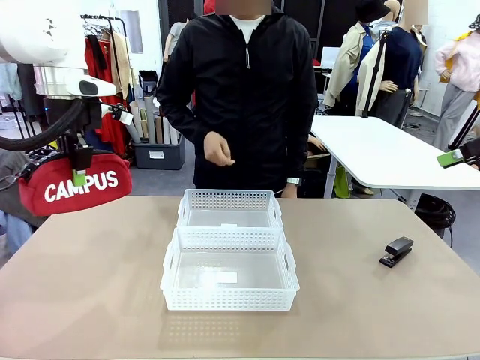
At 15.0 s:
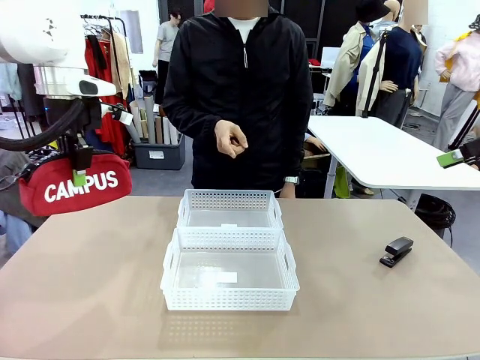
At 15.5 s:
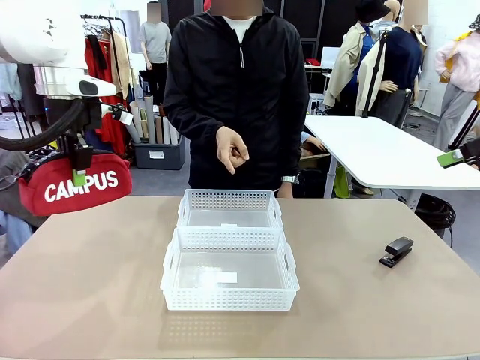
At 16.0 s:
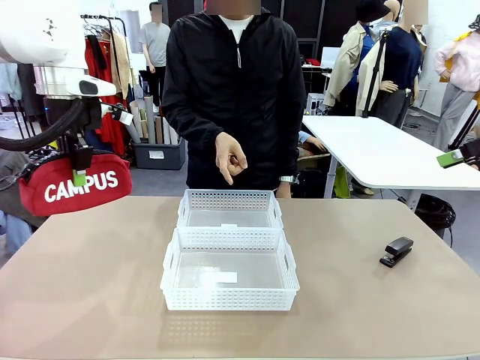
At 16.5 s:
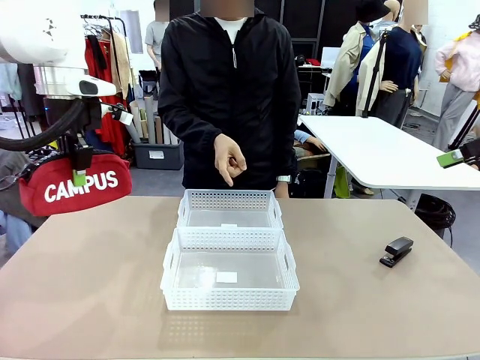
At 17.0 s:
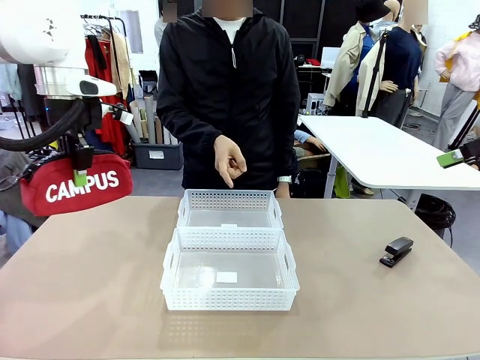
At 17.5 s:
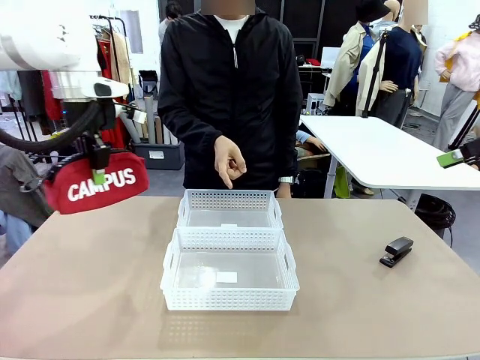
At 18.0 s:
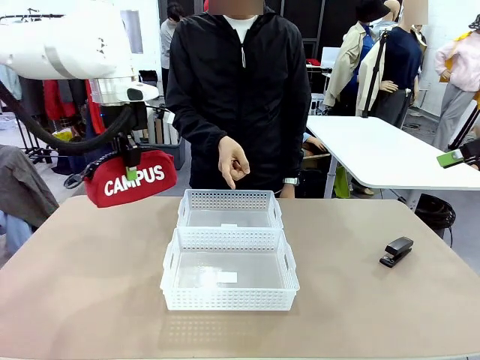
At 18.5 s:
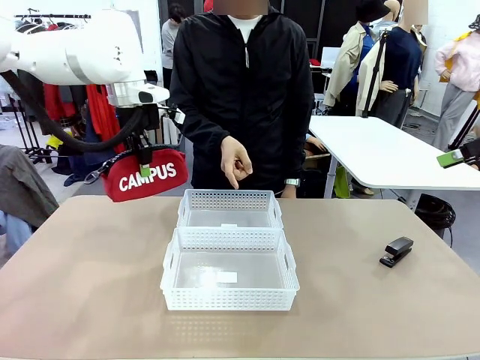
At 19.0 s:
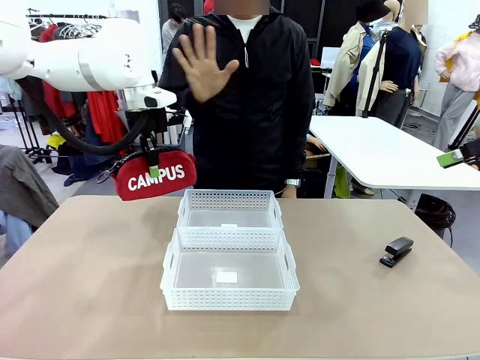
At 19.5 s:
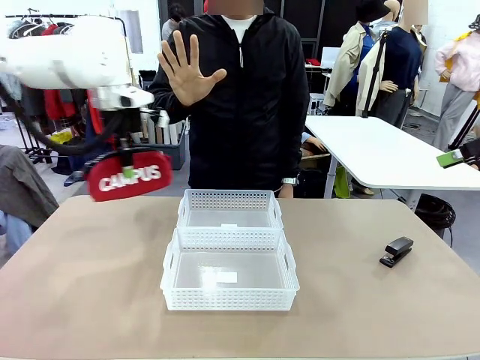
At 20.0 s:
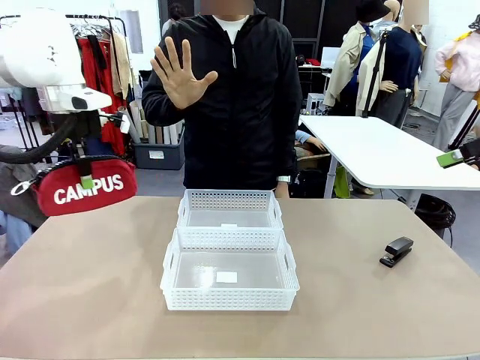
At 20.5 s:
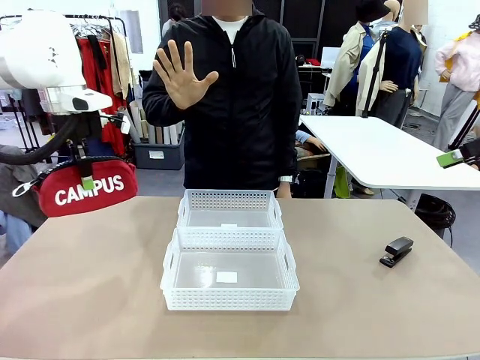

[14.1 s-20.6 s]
Task: Distribute items into two baskets.
Robot: Move the picked Pencil pouch towards the Organizing basket indicated by the person, stopping as directed.
Person: Sends a stop gesture before the robot places the pencil case into the basket.

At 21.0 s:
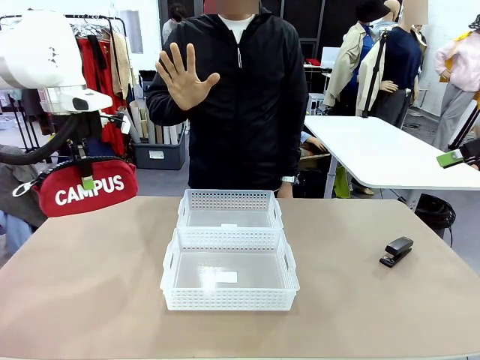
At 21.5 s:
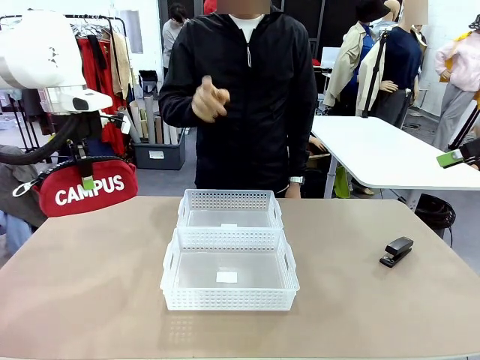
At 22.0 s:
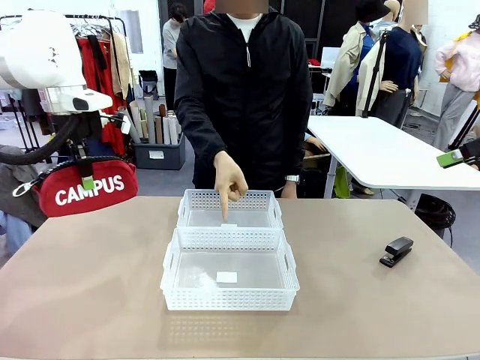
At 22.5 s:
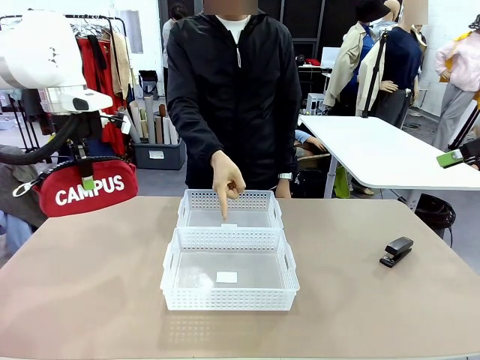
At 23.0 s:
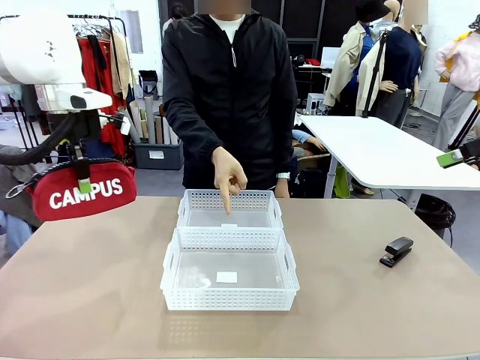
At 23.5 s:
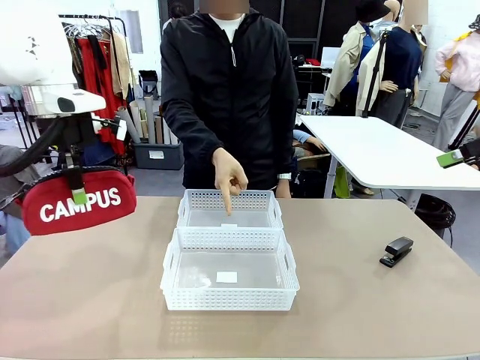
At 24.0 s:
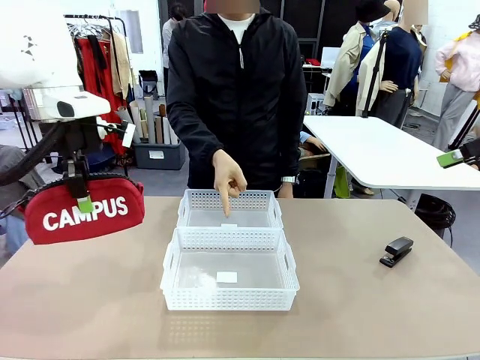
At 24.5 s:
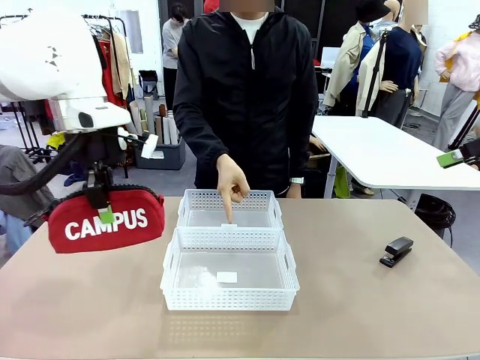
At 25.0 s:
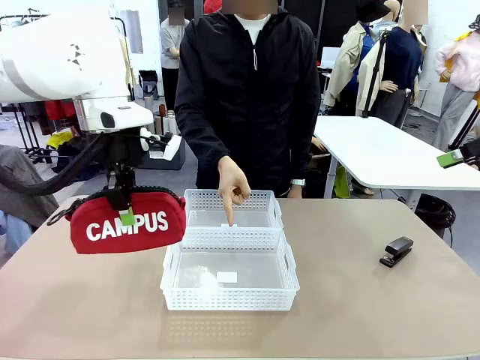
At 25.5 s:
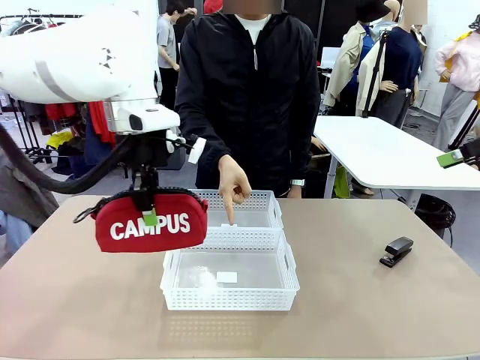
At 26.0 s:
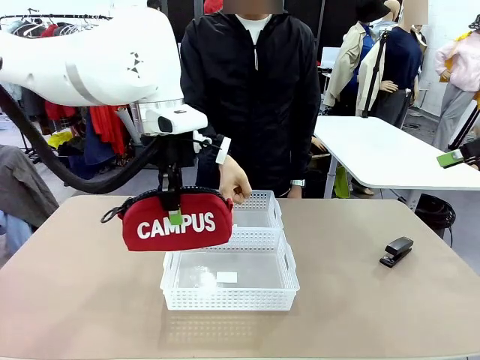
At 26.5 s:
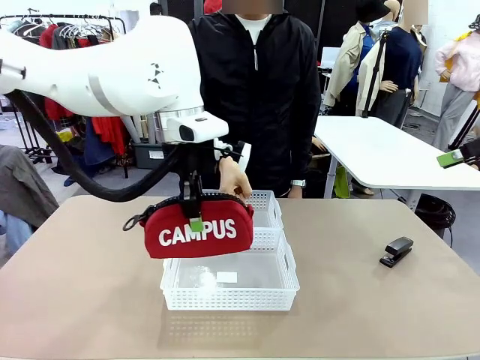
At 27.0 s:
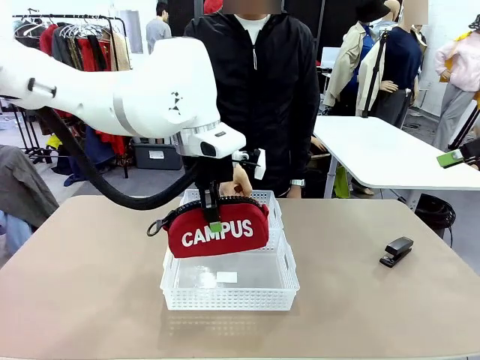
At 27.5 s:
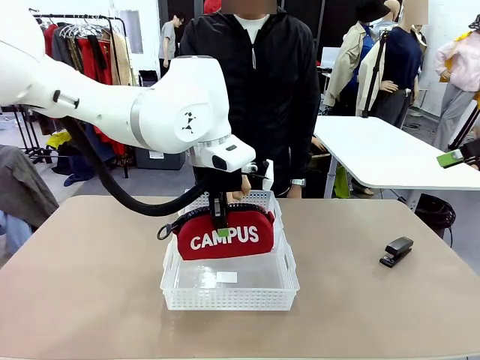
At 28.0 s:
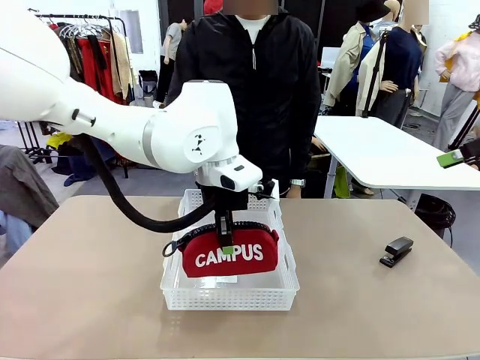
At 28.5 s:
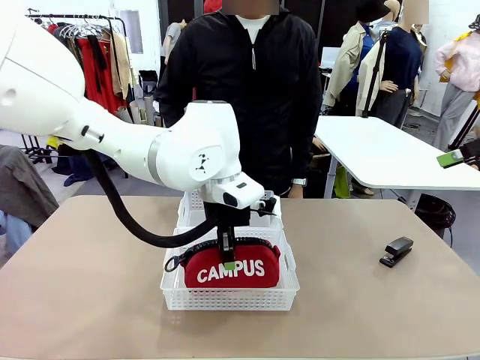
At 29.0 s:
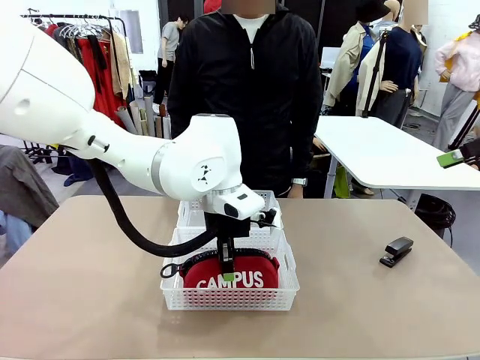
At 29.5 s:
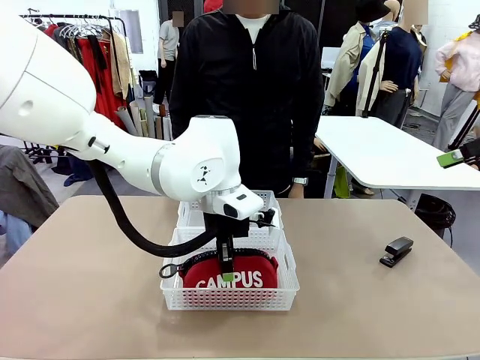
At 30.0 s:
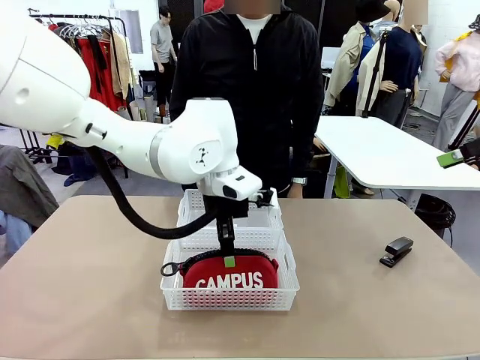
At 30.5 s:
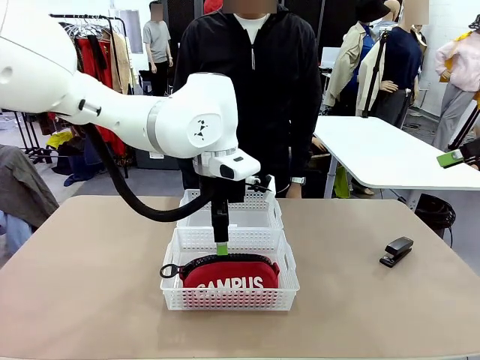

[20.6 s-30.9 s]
Robot: Place the picked Pencil pouch into the Organizing basket as instructed by the person.
Person: Instructs the robot to place the pencil case into the opposite basket. Points to the stapler.

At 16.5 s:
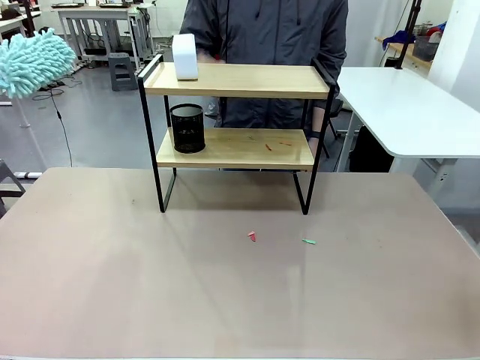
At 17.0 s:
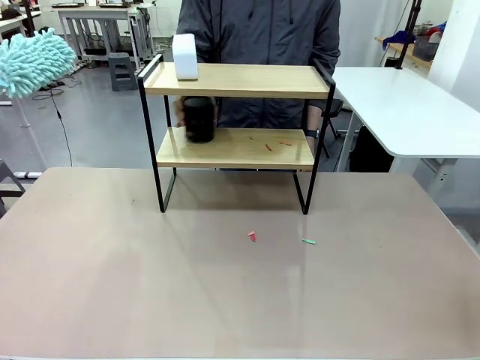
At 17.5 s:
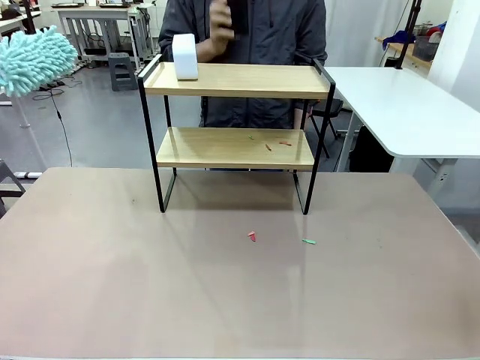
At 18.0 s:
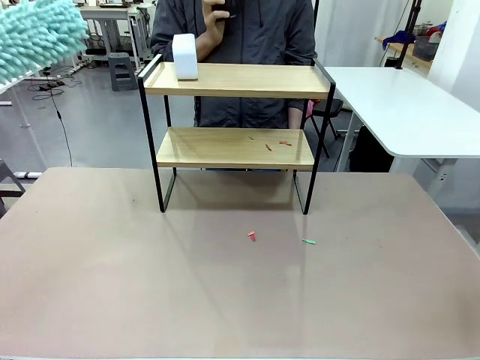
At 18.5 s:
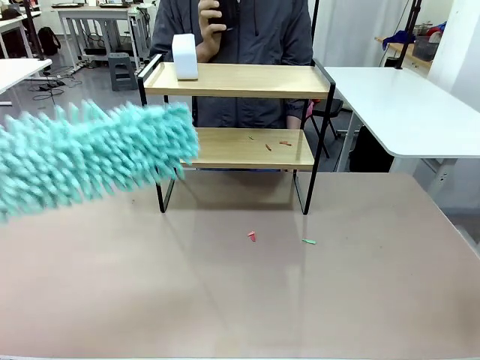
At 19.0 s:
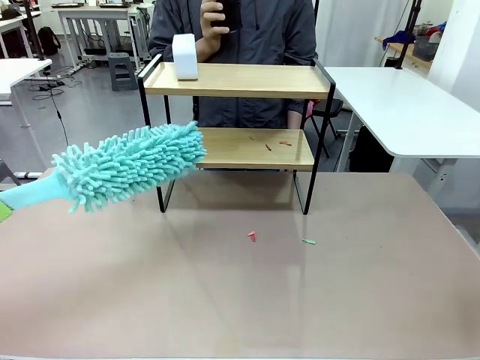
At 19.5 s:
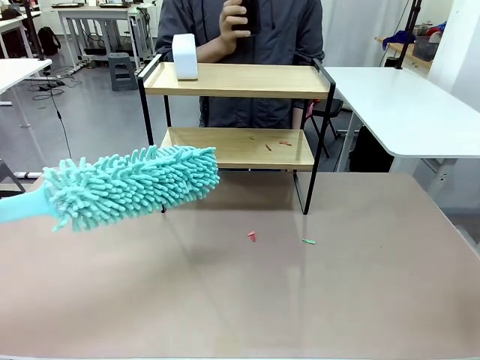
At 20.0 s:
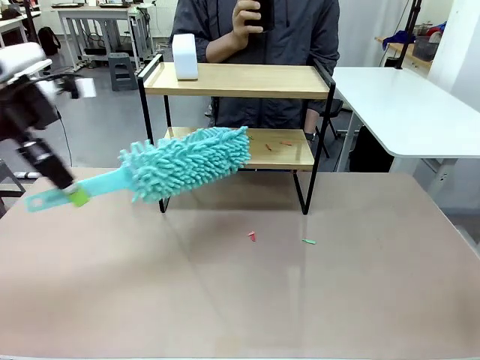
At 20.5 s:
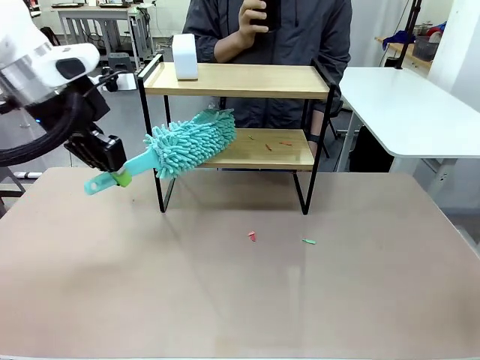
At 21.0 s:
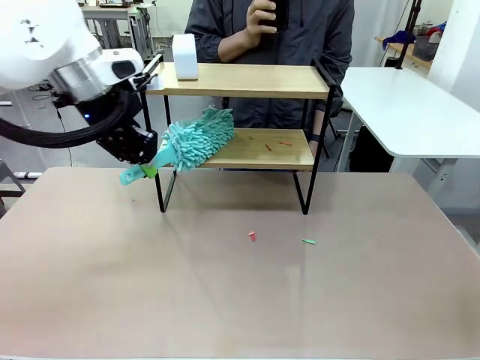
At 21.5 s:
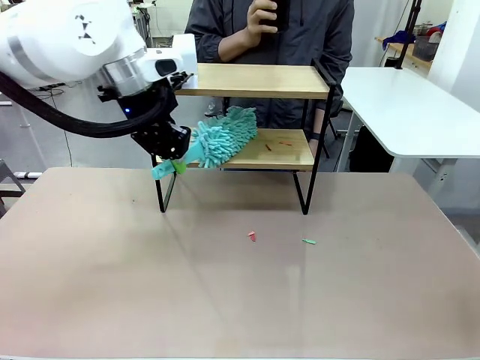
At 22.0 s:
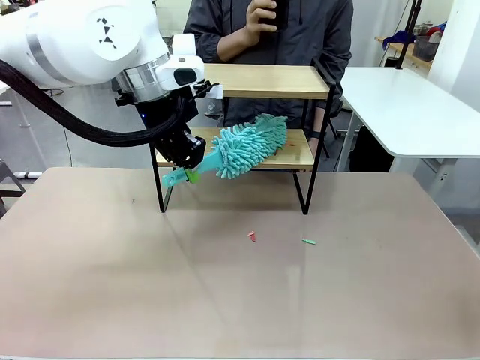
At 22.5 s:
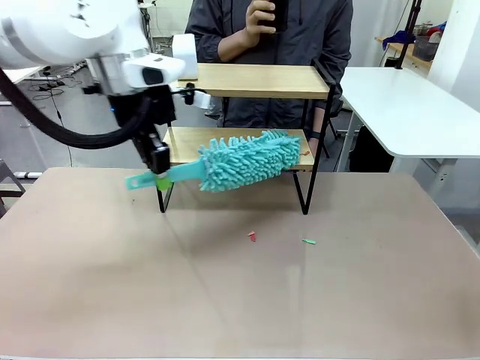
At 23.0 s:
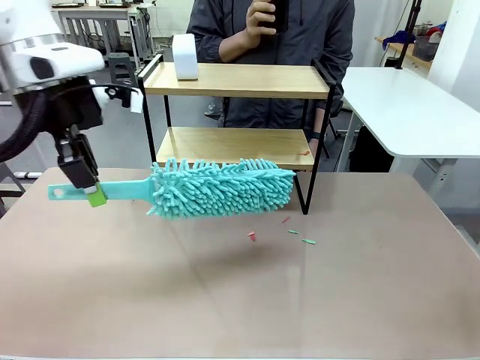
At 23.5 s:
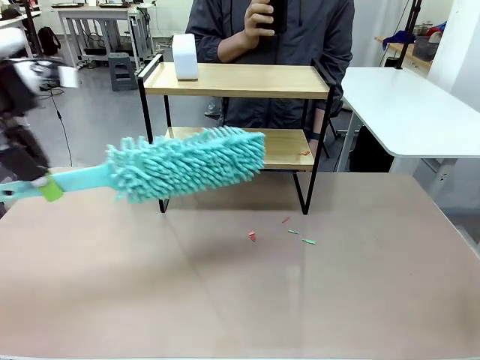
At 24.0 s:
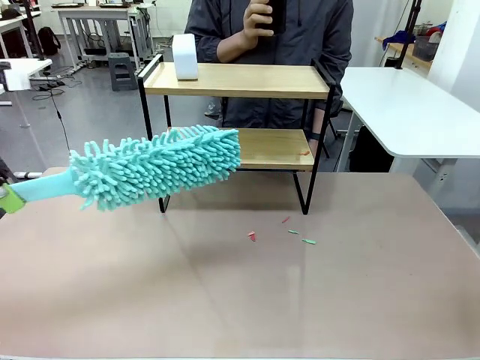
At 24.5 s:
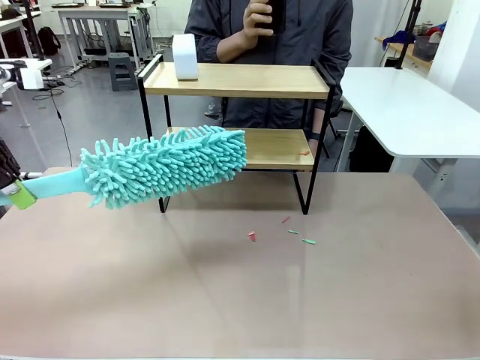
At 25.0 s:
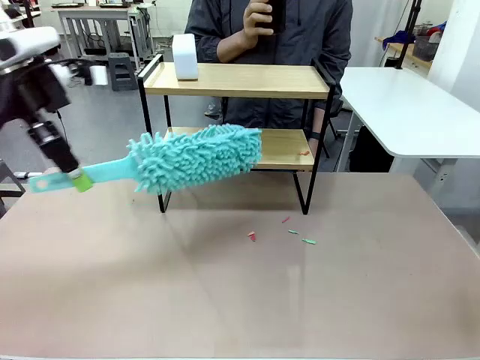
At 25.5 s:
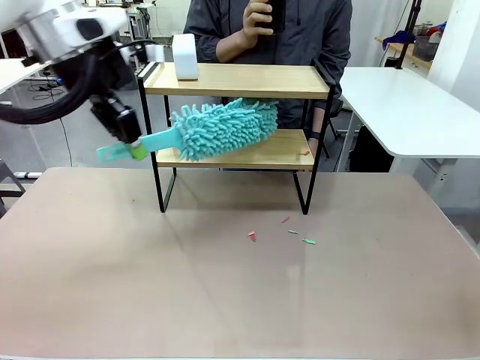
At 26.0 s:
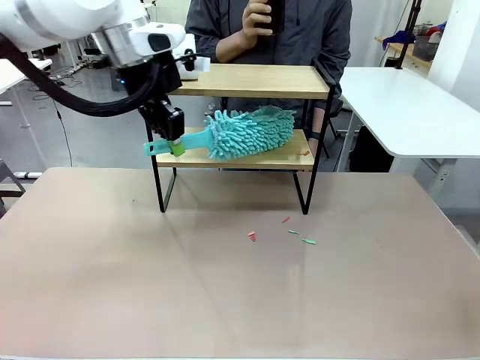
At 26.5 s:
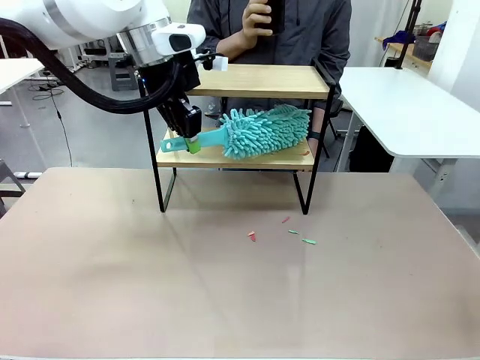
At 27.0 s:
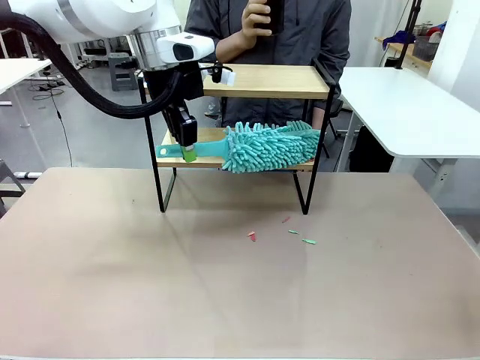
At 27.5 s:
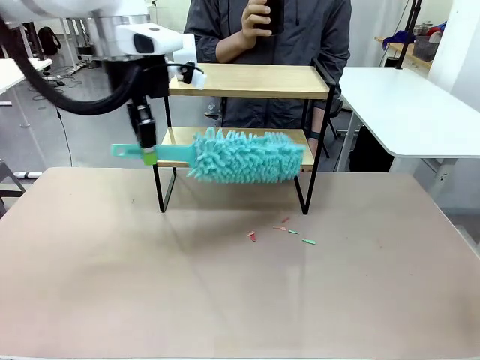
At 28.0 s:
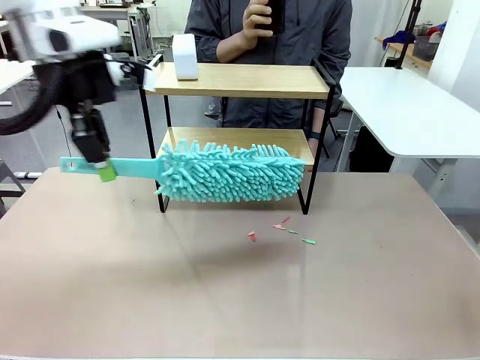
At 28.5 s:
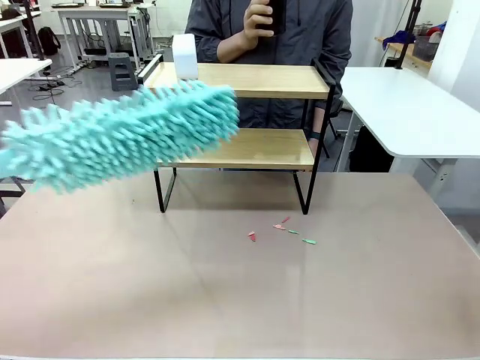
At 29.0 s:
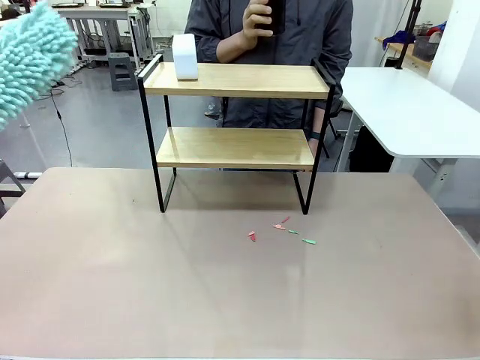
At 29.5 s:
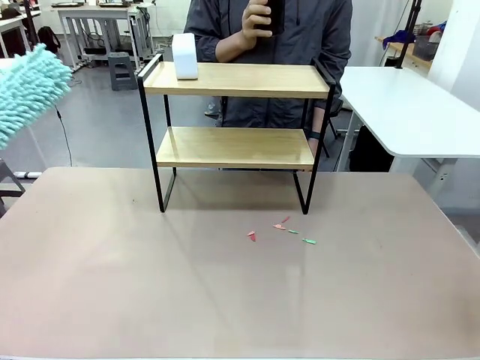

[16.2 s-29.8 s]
Task: Clean the shelf.
Robot: Clean the remaining tier of the Shelf with the Duster once objects are removed.
Person: Receive the Duster from the robot.
